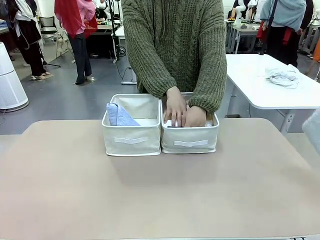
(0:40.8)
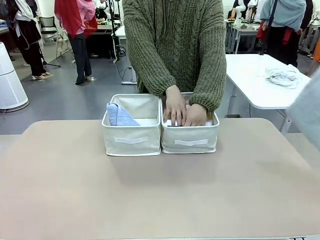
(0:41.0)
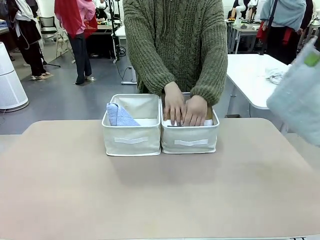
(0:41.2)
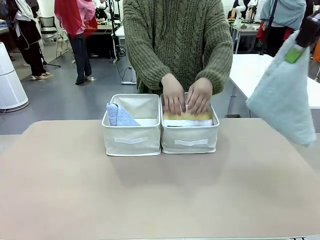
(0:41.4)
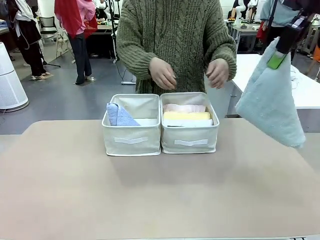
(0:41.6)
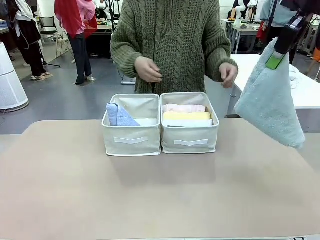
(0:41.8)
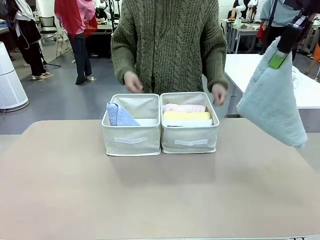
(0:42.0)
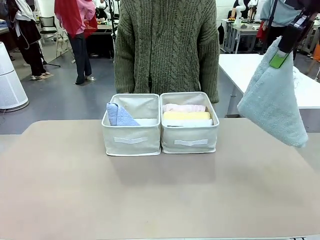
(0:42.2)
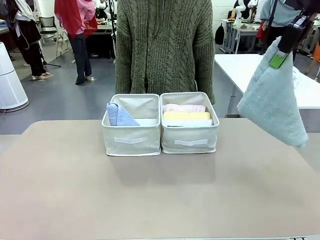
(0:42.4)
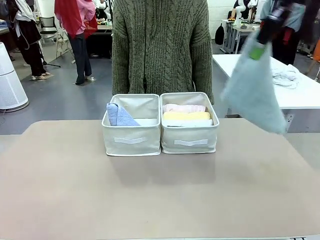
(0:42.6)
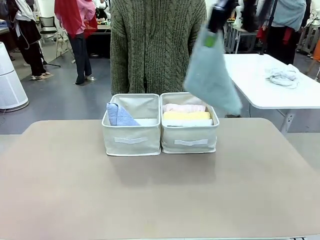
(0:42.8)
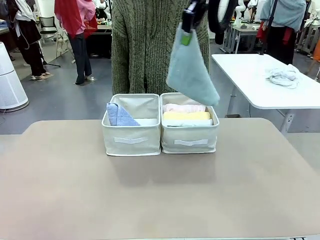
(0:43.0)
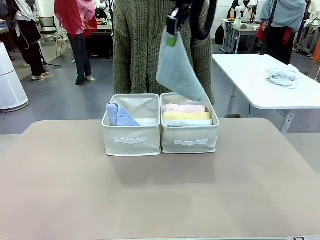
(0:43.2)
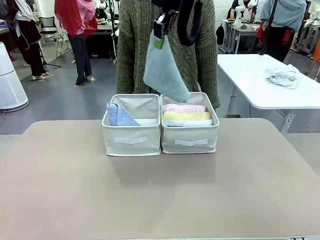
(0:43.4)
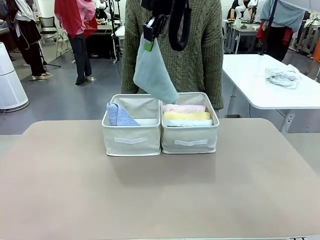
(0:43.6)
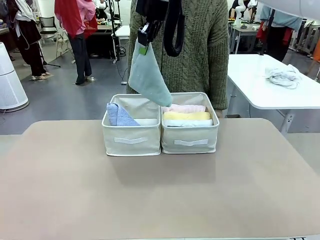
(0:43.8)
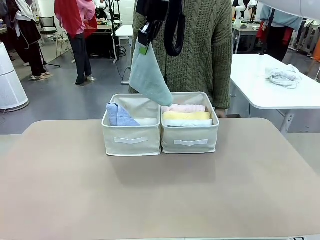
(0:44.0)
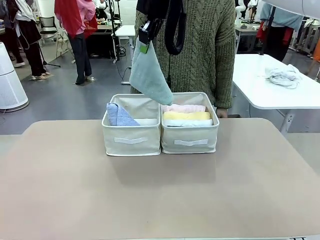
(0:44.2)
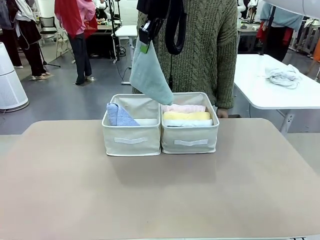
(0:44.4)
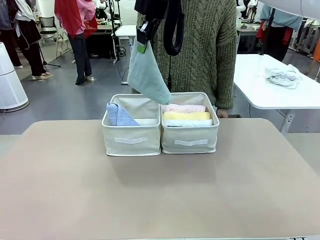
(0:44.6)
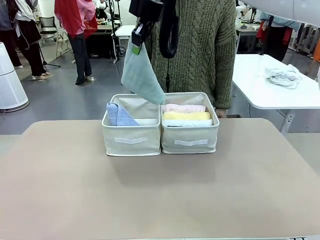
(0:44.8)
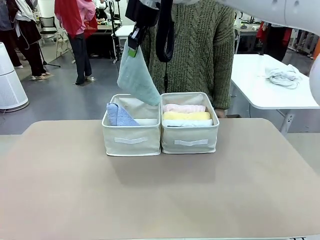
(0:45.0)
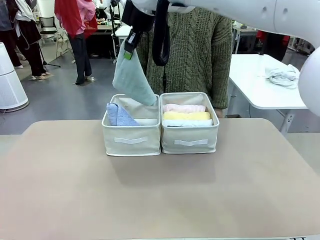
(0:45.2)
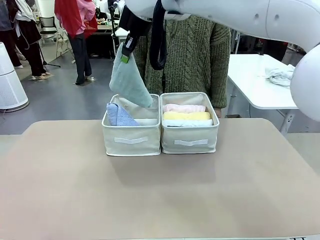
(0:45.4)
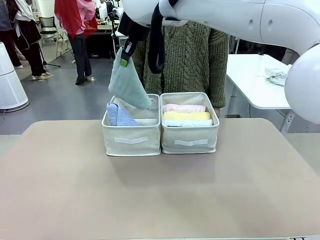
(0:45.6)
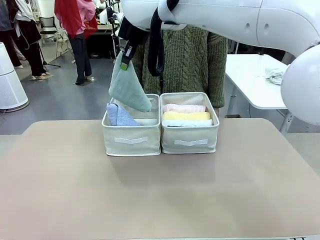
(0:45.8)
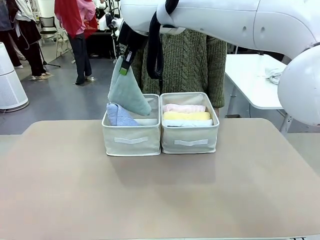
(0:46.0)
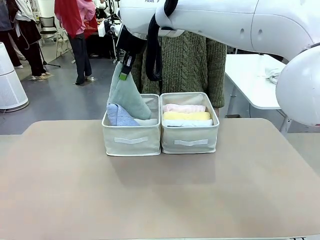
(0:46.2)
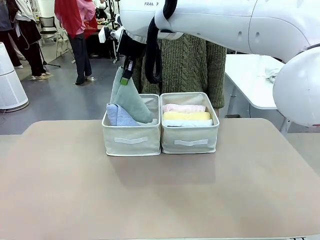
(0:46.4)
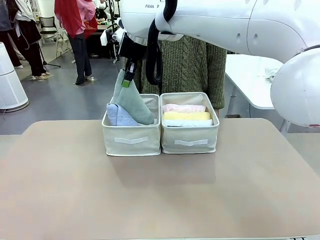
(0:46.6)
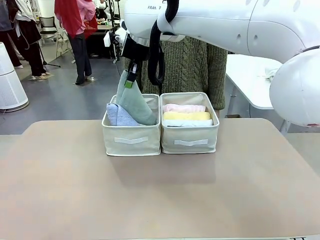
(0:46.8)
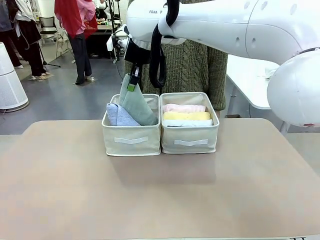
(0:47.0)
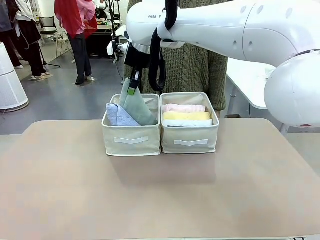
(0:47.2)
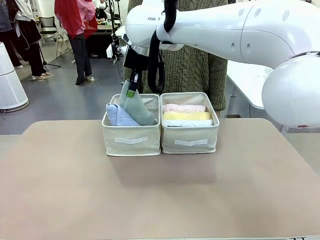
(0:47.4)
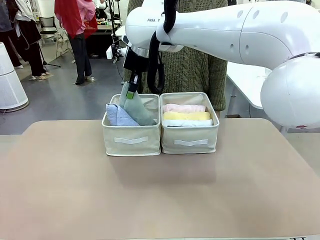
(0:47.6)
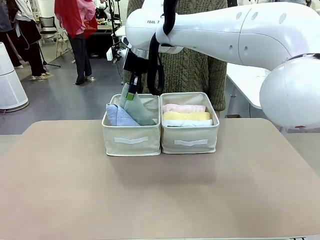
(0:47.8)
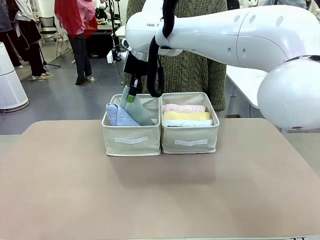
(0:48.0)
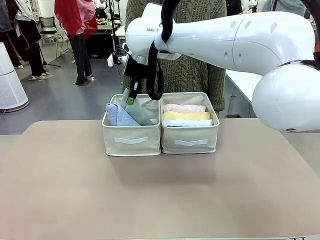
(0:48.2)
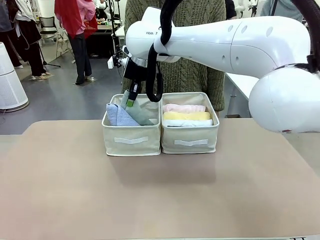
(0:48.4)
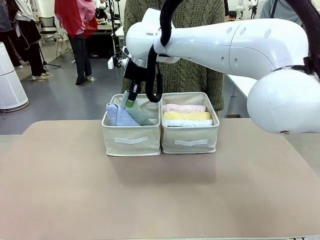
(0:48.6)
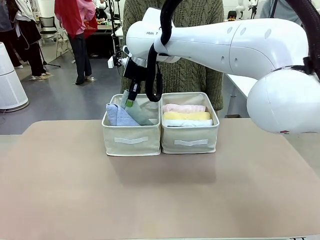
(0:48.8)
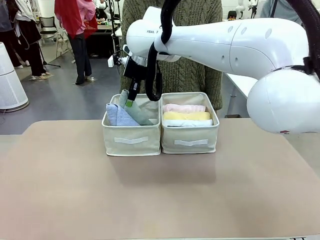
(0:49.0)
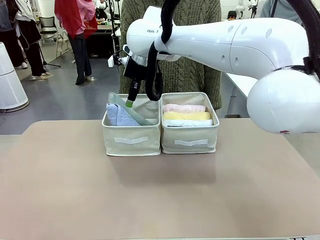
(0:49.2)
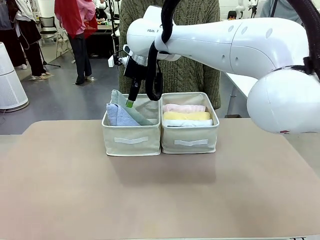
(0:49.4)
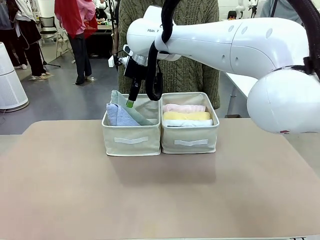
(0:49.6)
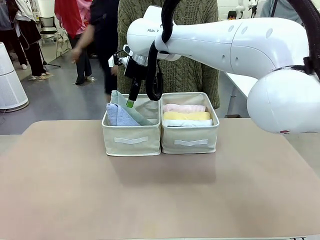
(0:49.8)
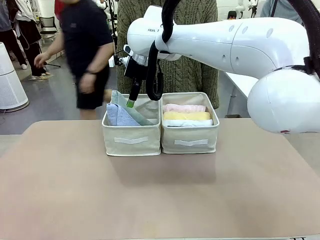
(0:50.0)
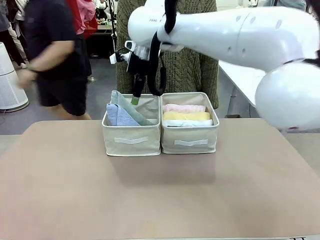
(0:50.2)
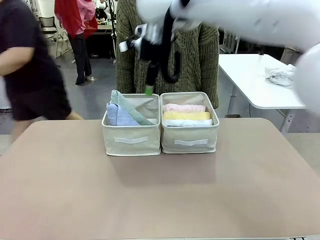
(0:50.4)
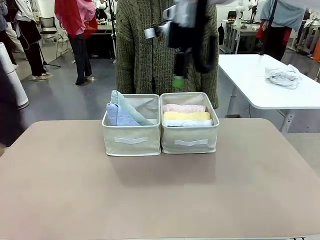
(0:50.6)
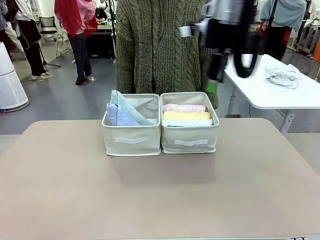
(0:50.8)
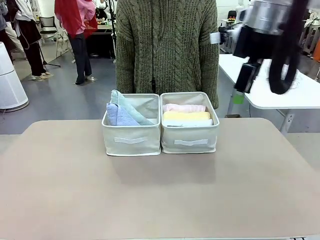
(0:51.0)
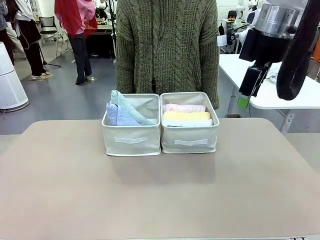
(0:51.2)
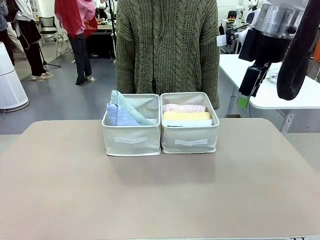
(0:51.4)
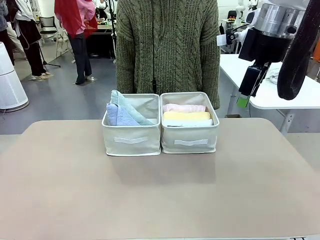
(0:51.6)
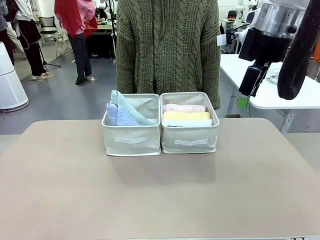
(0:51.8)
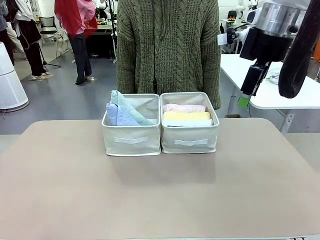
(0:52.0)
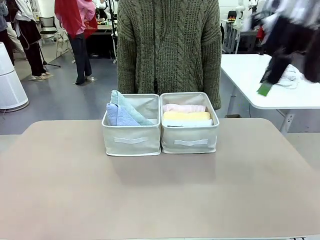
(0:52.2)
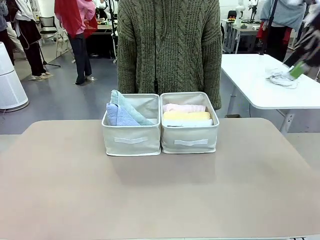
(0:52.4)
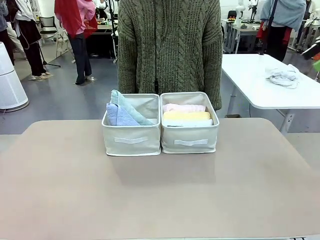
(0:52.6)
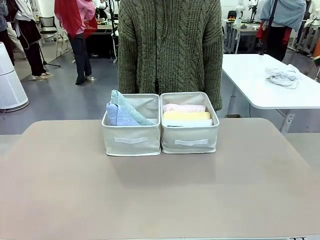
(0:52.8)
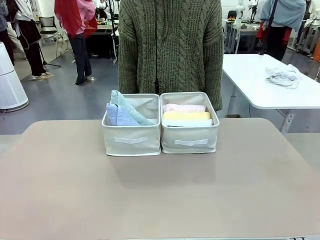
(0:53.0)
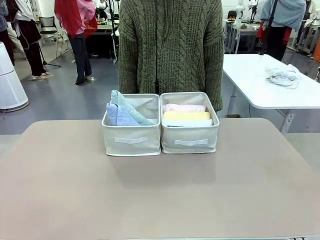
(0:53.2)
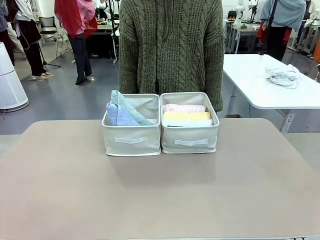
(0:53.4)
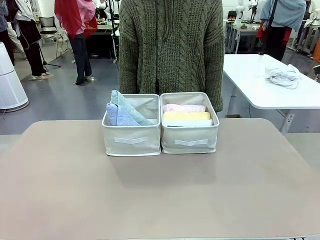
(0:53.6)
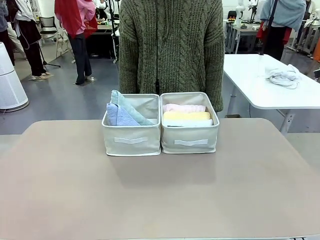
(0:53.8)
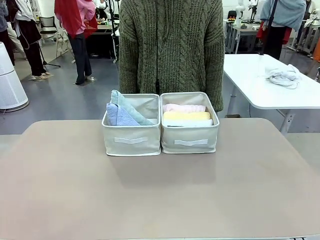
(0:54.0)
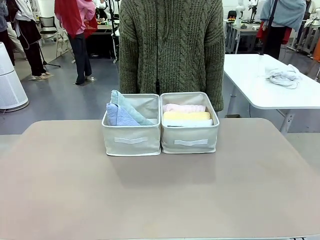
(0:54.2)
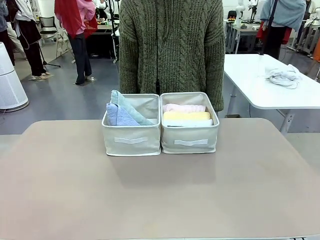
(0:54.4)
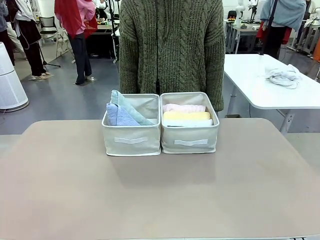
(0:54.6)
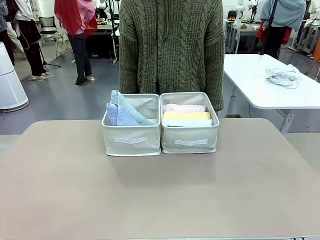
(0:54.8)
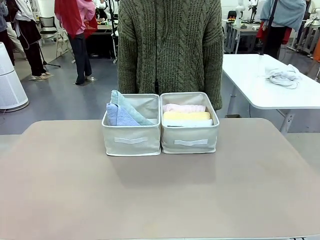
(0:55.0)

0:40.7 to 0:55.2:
Task: Sort the towels based on their folding style.
Robot: Pick up another triangle-folded towel from the table and place it in the left Fabric basket.
